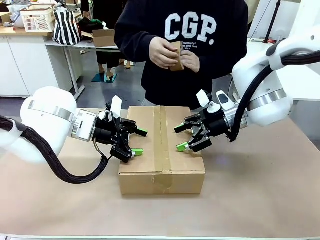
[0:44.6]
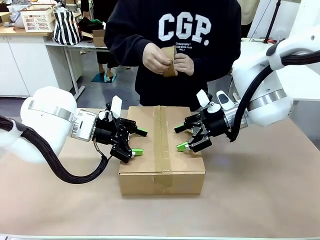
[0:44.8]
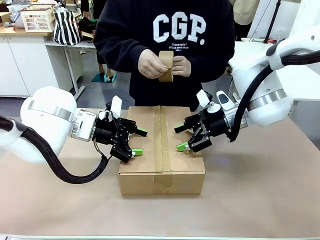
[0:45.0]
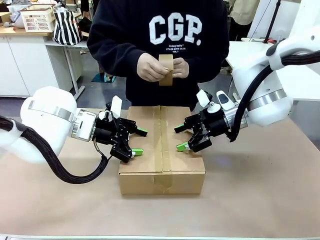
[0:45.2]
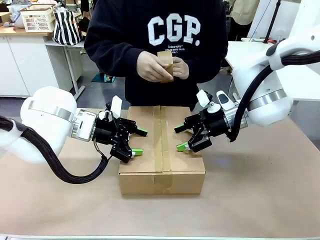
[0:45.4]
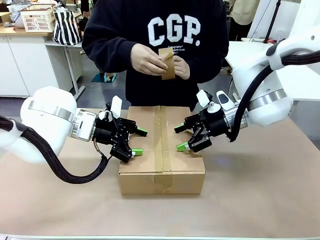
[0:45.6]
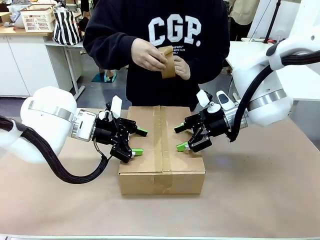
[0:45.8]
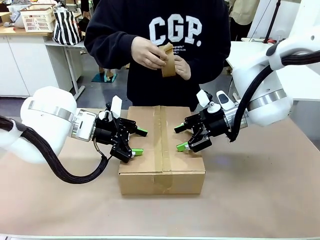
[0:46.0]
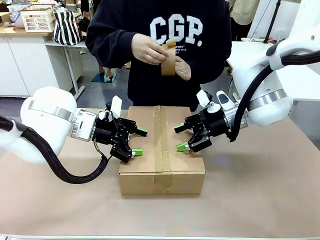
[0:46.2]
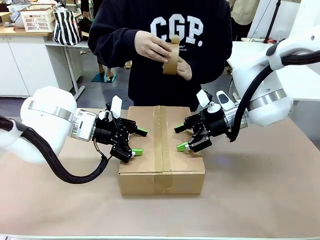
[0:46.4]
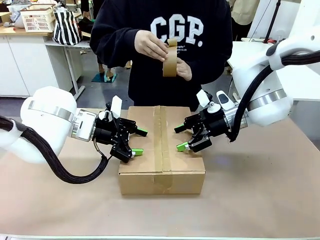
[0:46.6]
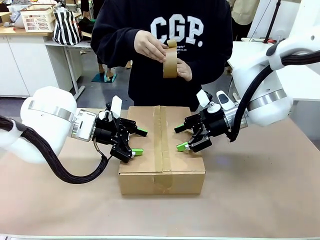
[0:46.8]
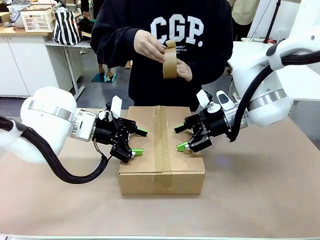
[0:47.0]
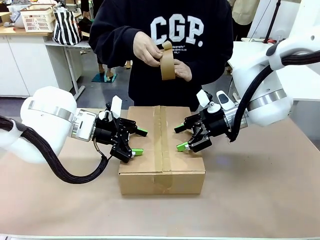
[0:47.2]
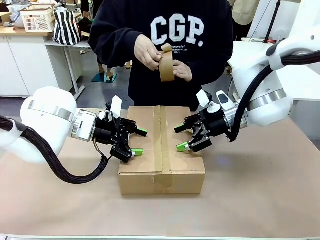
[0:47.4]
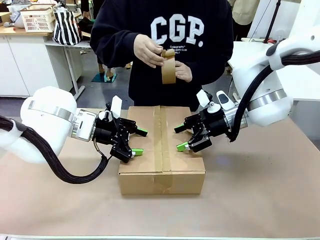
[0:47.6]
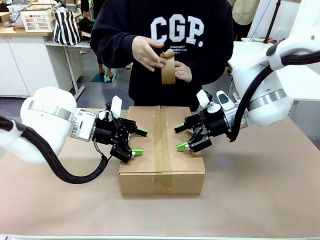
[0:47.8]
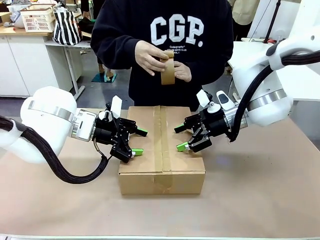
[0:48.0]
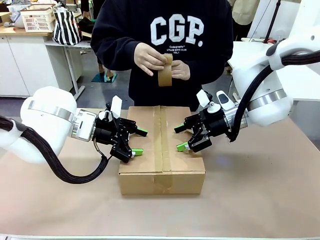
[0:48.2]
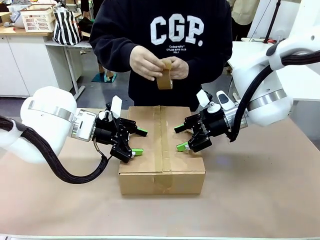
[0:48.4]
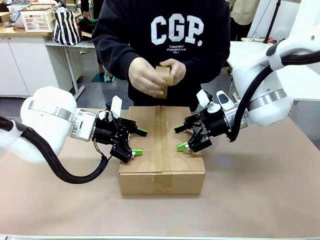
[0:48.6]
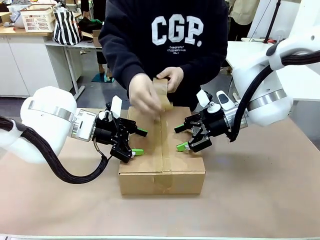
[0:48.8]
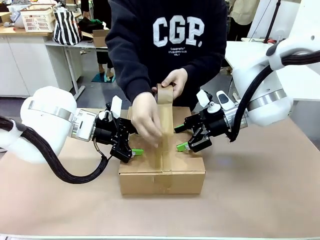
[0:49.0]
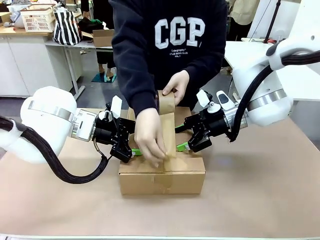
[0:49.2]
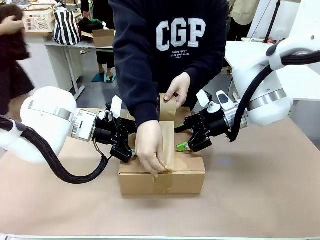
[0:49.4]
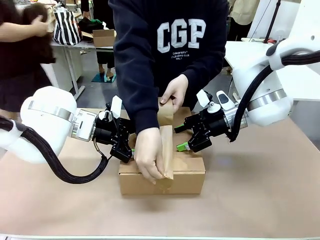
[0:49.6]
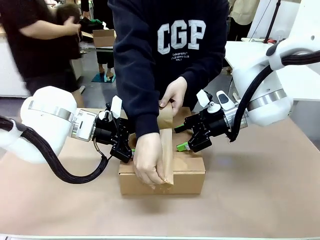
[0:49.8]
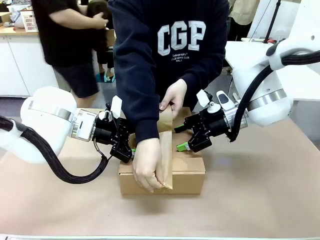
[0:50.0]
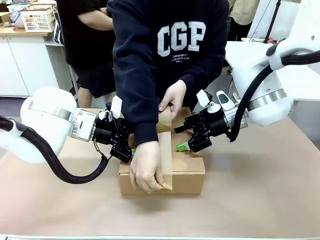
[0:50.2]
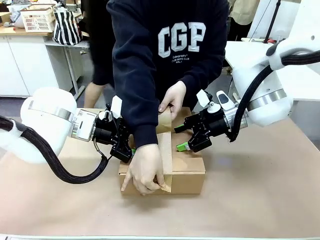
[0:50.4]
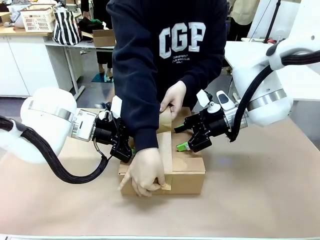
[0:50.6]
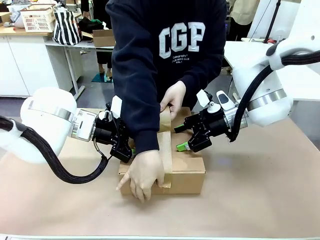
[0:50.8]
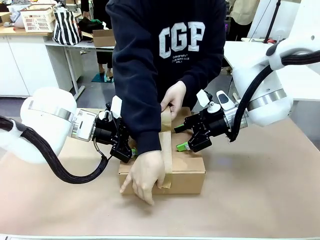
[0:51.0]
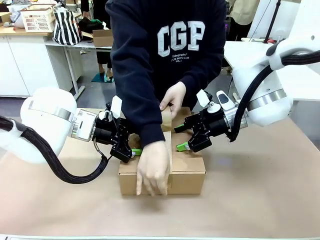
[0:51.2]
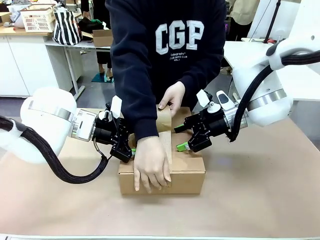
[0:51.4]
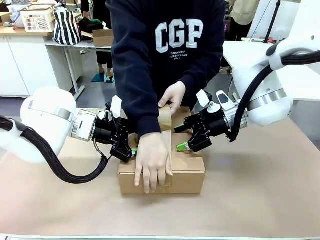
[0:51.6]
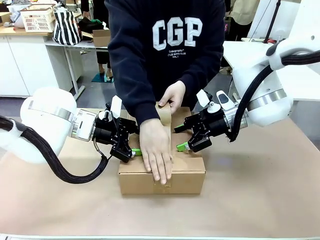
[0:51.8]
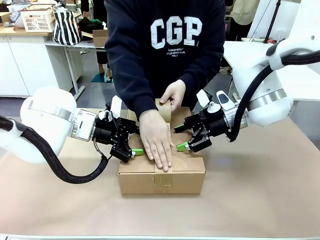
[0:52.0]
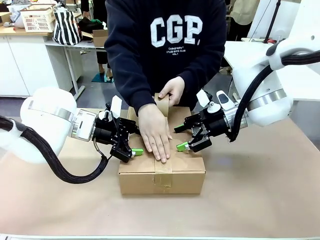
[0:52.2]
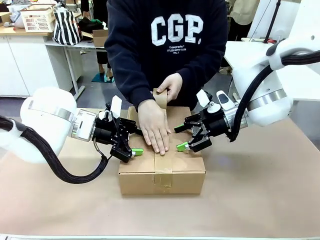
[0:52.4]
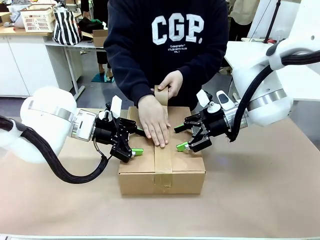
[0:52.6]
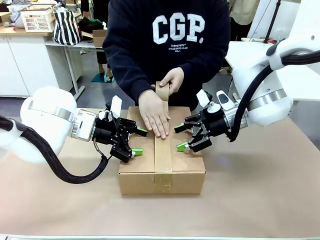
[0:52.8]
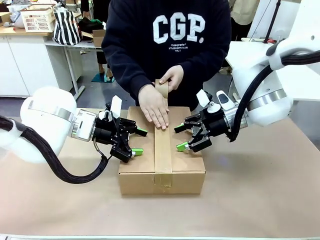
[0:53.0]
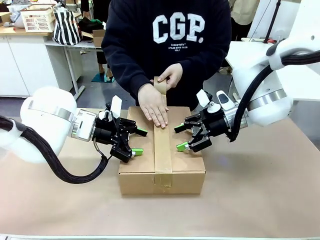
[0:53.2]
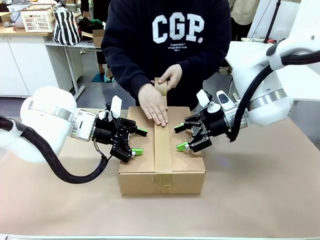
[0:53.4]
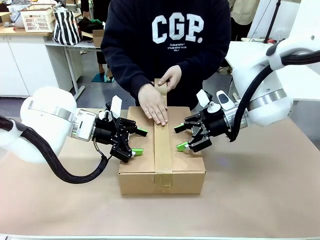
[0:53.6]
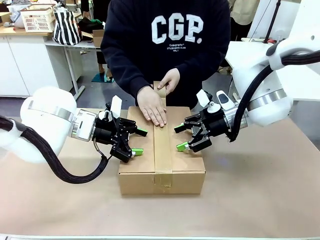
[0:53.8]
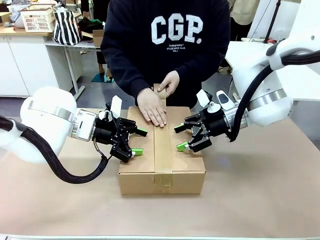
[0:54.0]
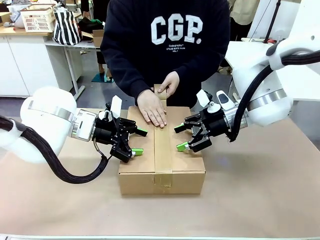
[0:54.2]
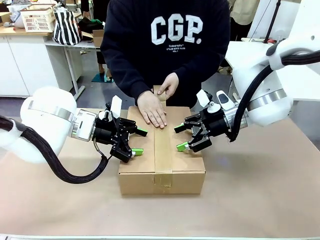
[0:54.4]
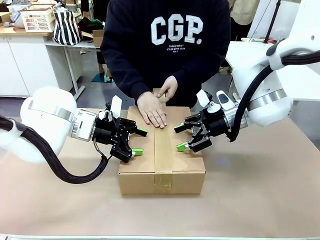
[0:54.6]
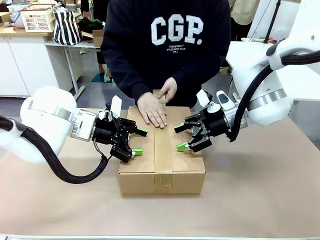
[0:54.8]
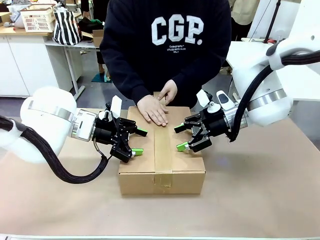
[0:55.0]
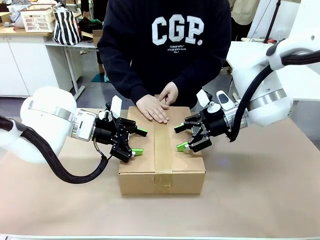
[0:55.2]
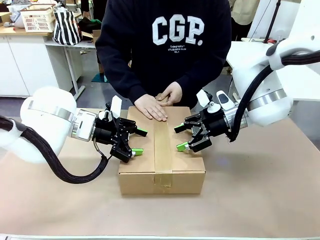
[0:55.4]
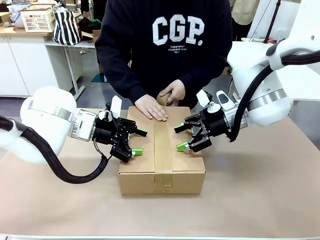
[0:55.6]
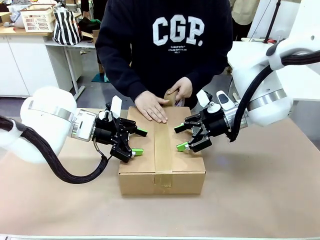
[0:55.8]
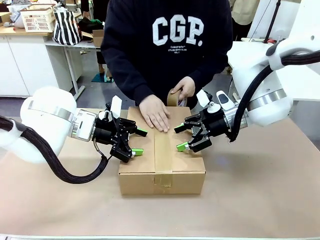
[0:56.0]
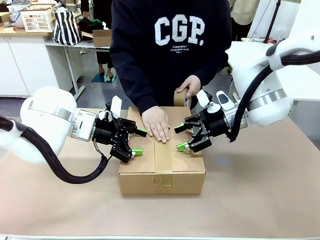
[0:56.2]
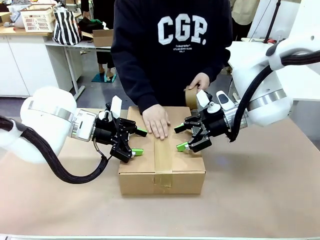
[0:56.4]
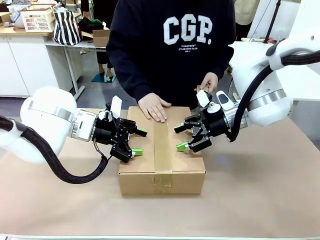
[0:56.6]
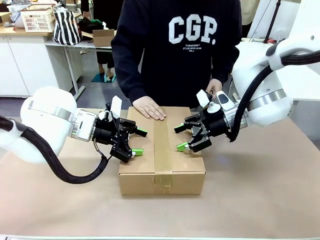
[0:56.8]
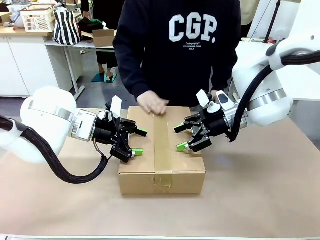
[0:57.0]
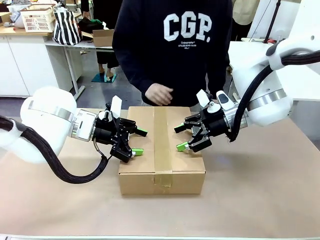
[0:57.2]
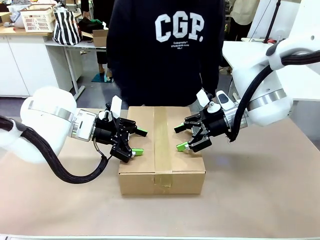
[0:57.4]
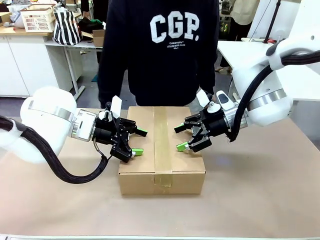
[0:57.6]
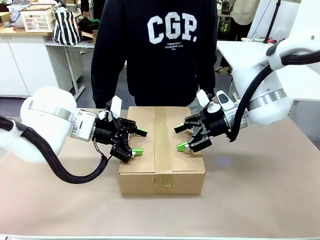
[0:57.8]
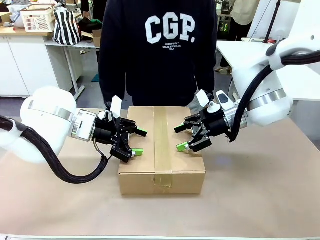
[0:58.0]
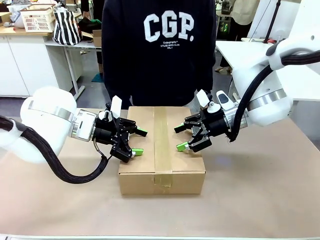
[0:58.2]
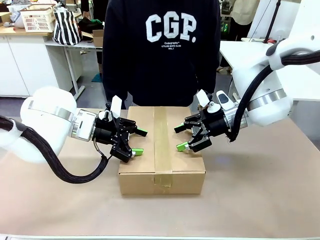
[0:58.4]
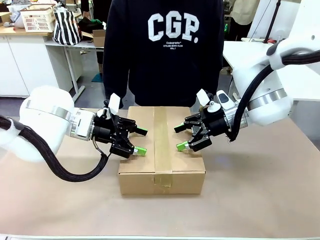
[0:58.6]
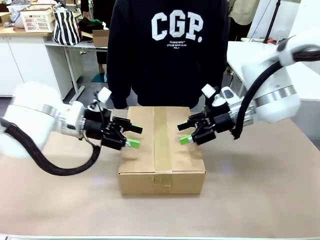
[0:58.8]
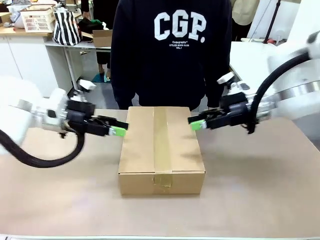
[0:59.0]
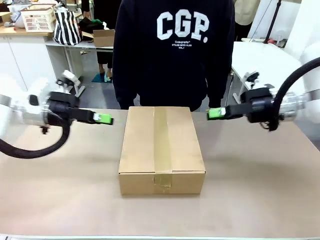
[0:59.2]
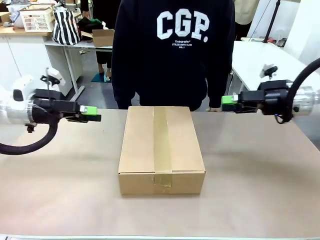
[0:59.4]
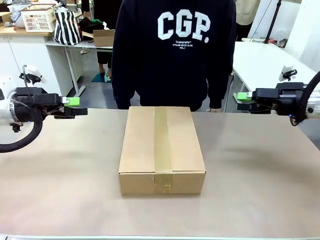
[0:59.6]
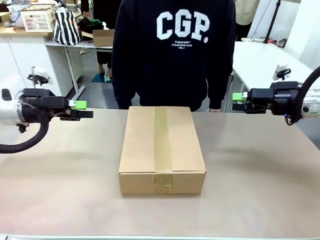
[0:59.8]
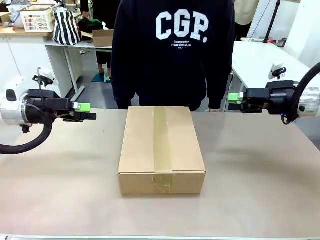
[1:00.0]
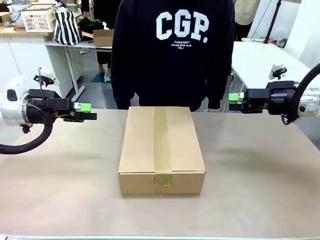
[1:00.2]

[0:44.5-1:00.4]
Task: Pack the gift set into the box.
Robot: Press and hold the closed box until the human finishes sealing it.
Person: The human picks up the paper tape from the human table and packs the box.
